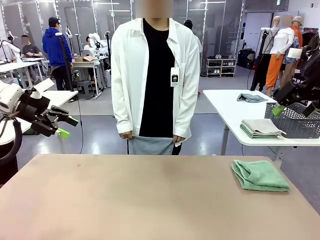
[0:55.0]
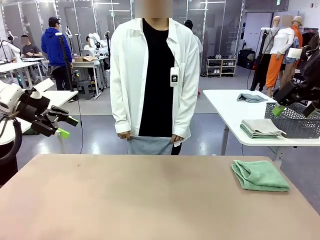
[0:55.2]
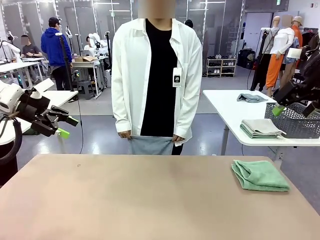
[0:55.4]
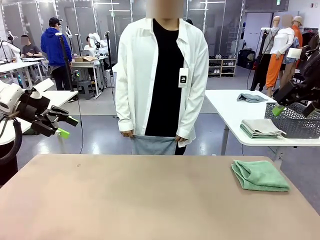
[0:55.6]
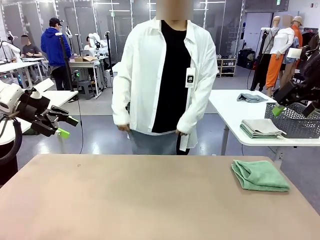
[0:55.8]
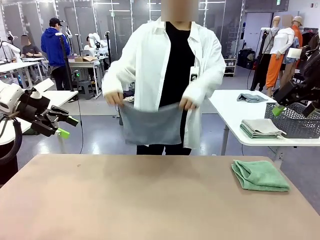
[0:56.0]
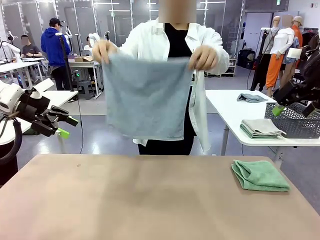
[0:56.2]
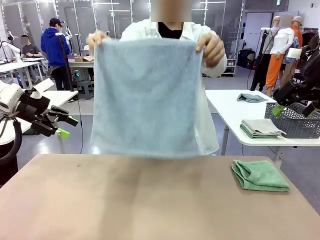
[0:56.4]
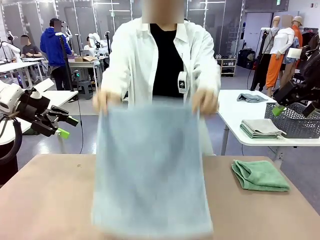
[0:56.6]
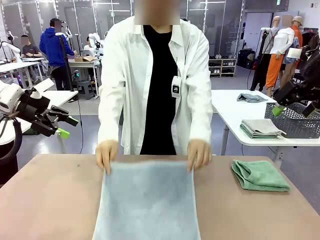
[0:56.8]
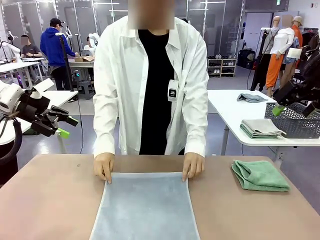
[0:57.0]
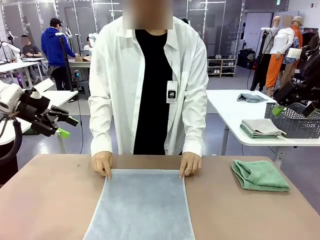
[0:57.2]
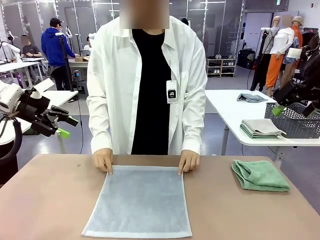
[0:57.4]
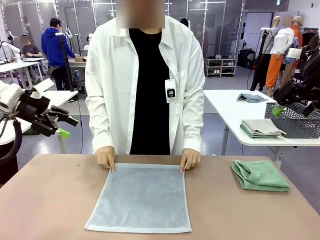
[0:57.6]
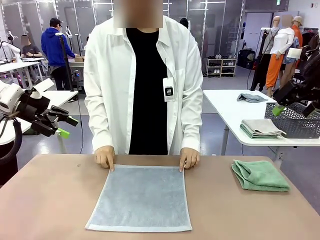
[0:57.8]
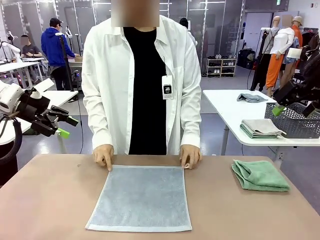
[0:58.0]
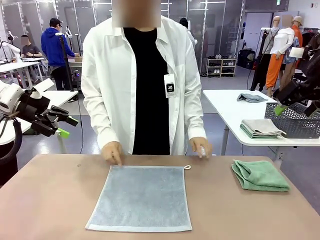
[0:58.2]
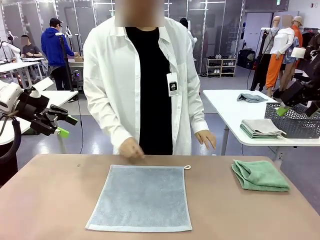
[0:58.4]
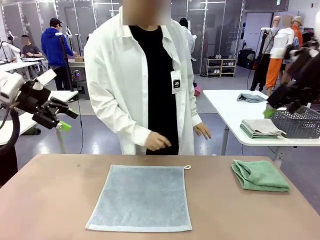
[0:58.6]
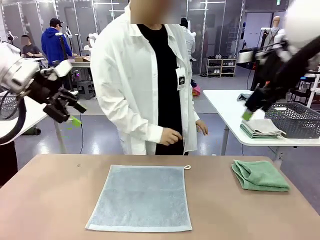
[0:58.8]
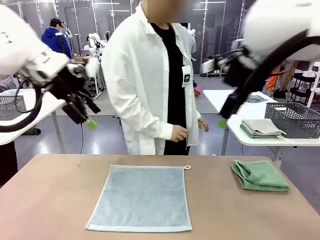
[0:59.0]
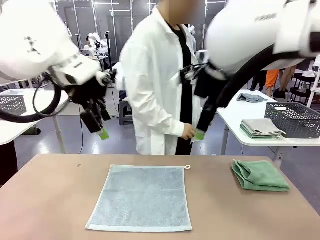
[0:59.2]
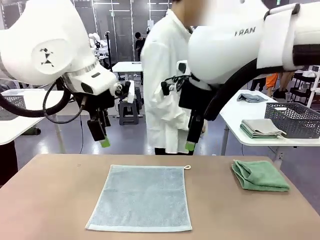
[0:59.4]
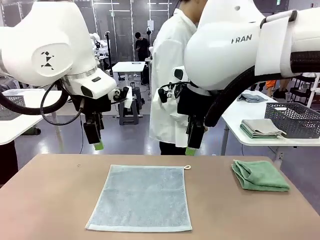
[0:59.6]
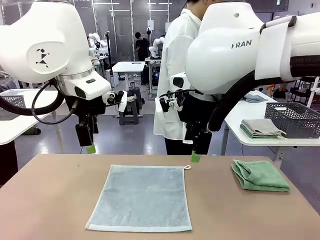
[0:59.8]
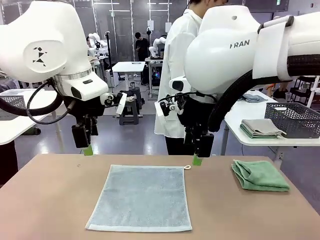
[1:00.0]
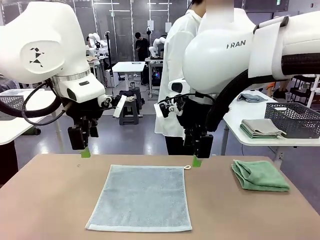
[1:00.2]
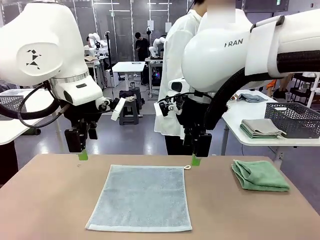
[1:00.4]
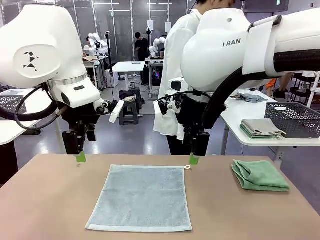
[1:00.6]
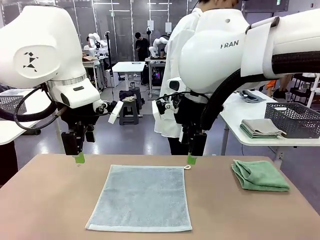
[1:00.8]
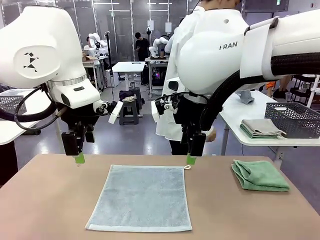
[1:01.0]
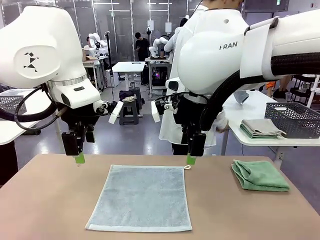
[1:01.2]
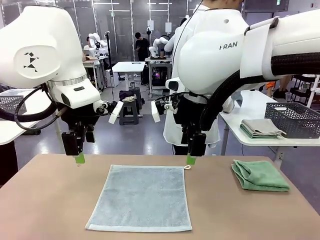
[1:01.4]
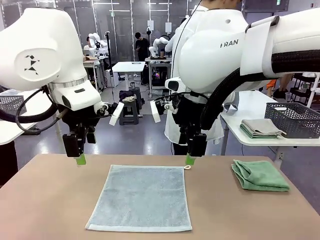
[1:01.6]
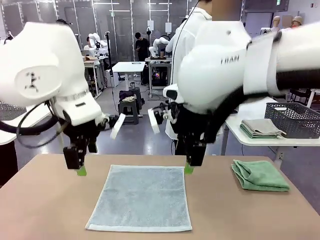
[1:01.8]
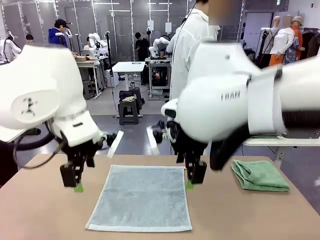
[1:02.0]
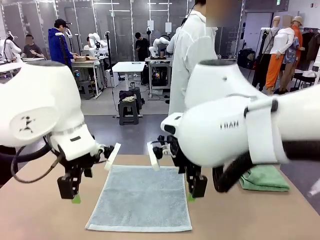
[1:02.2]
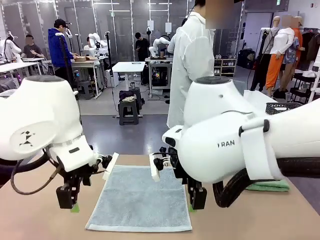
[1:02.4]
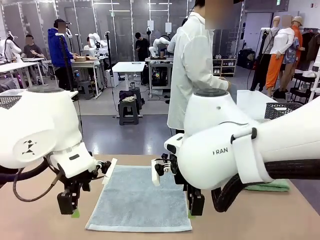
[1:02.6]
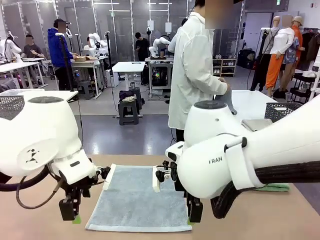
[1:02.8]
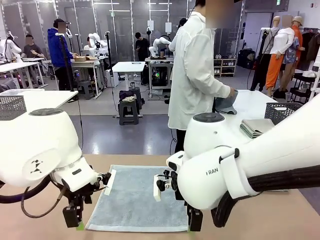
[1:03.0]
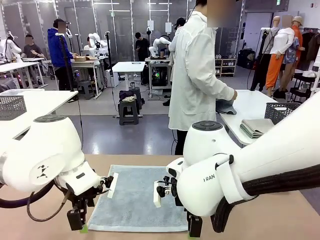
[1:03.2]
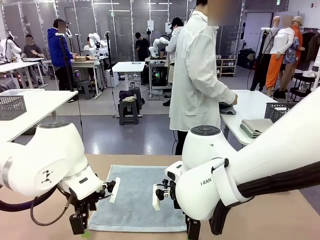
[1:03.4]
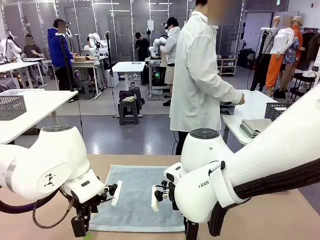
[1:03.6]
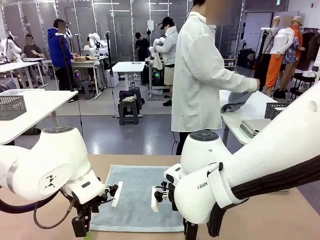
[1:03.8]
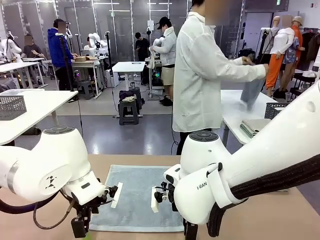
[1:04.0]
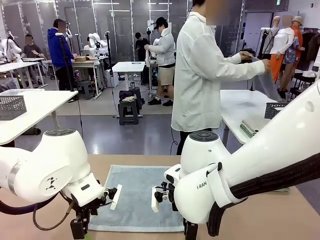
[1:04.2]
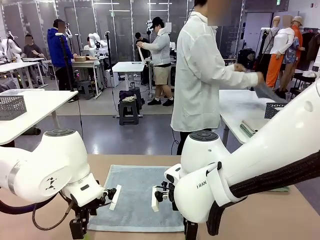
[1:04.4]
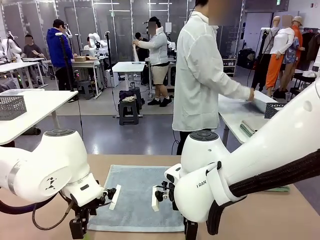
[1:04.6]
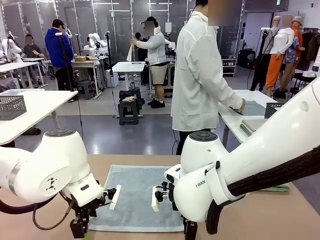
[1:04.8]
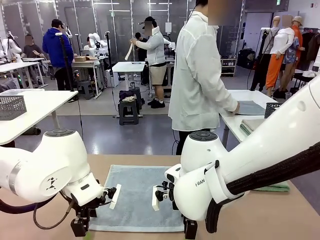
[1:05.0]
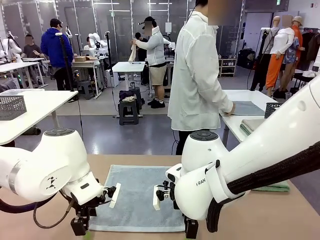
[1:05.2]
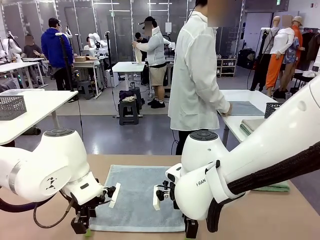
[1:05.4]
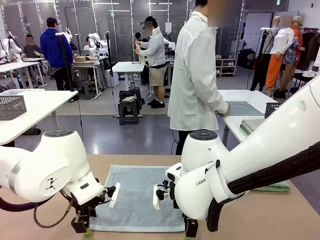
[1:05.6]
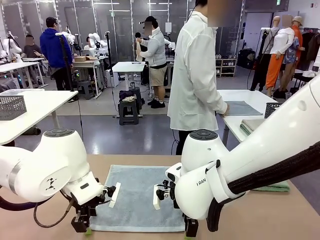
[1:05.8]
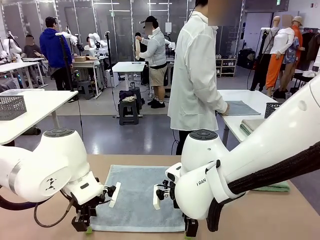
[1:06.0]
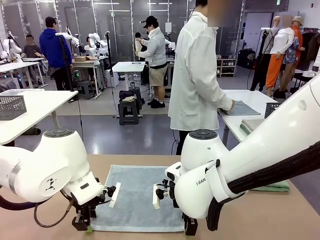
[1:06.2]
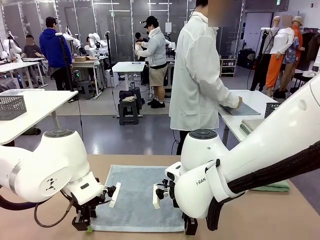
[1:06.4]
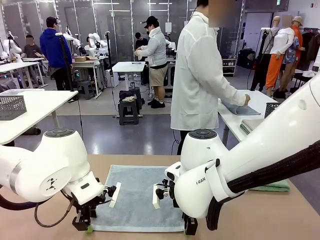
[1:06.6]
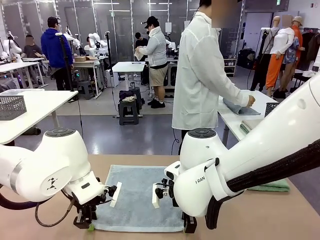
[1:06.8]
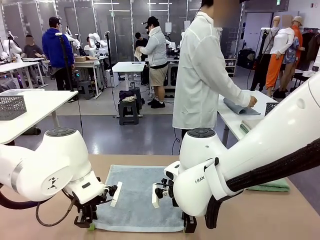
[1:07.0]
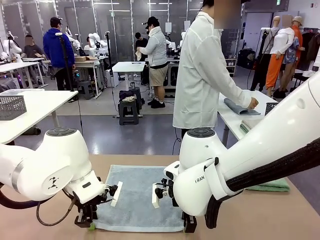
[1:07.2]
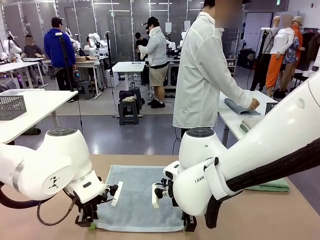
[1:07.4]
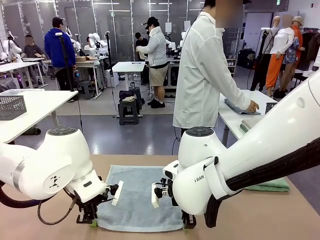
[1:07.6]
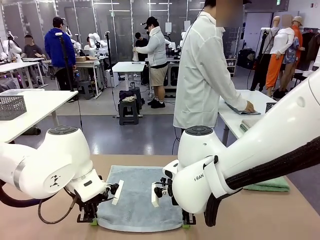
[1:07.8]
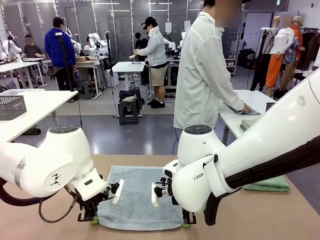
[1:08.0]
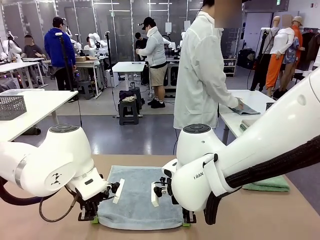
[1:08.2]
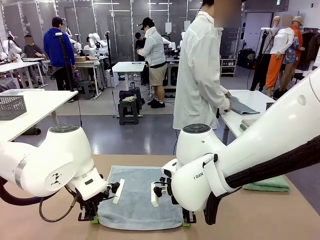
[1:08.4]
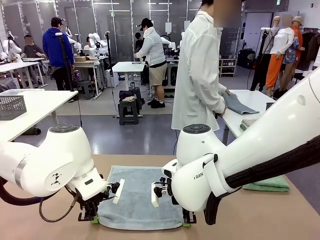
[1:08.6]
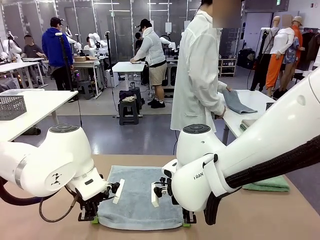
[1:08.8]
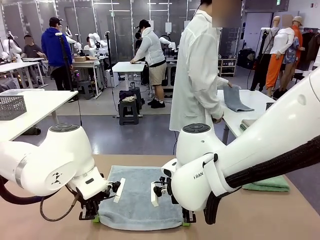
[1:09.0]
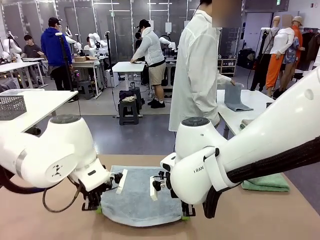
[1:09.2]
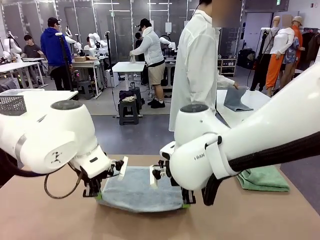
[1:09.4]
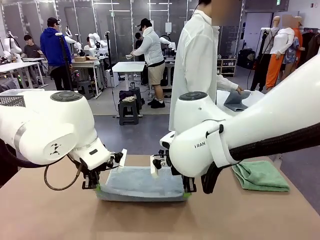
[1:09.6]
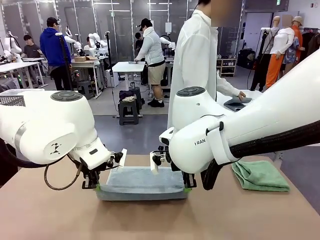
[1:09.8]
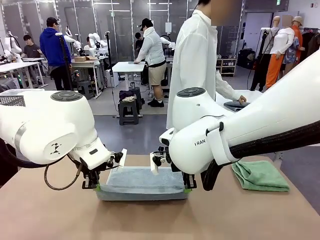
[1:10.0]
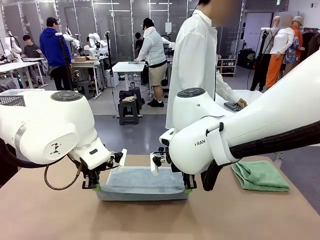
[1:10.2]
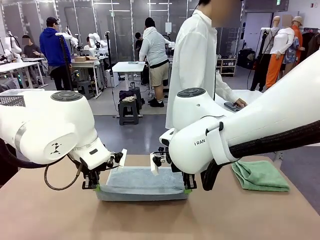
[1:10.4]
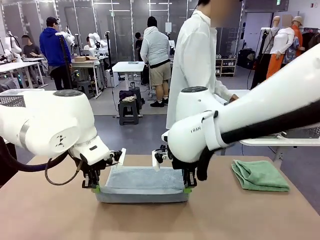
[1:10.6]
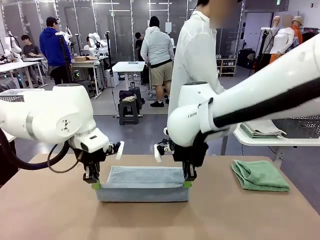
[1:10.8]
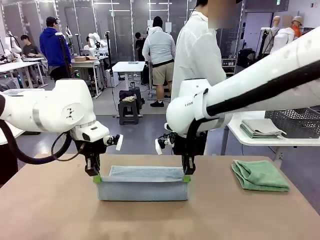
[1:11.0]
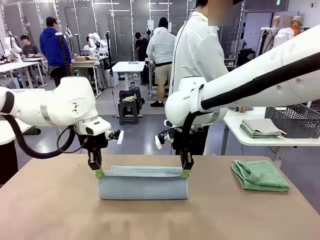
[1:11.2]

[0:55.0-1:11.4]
Task: Fold the towels and place them in the basket.
Robot: When a person lays out a Towel with hook on the table, fold it in half twice.
Person: Pick up one towel from the left side of the human table, fold it in half twice, and stack it on the right side of the table.

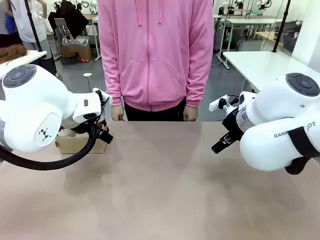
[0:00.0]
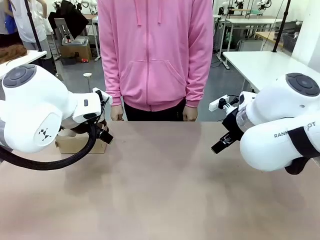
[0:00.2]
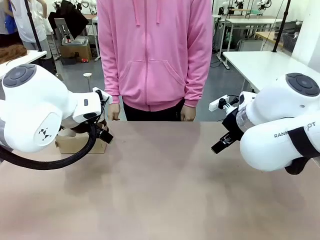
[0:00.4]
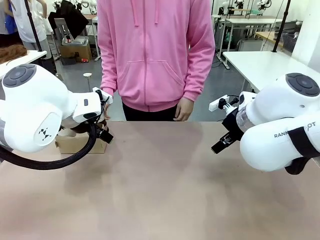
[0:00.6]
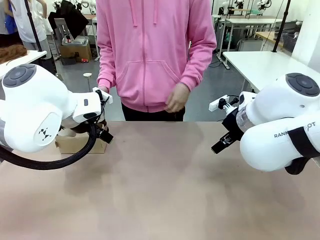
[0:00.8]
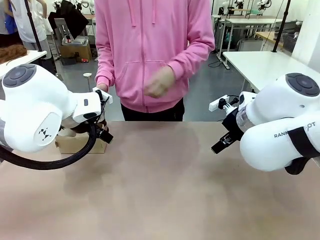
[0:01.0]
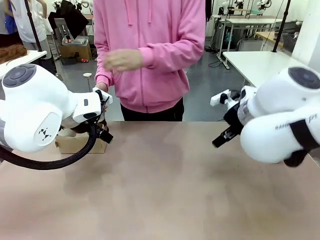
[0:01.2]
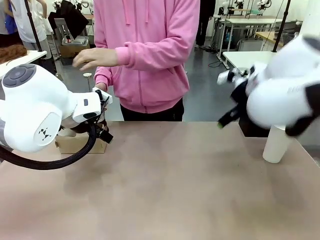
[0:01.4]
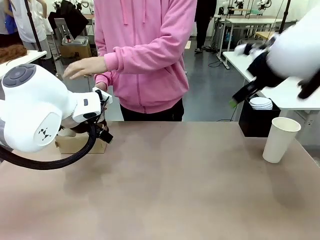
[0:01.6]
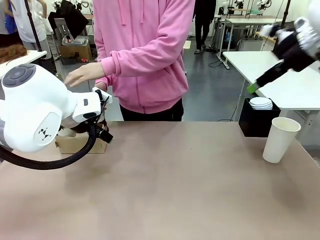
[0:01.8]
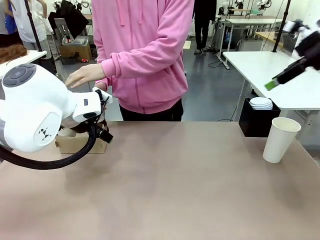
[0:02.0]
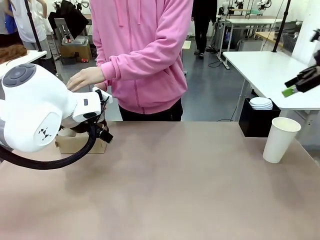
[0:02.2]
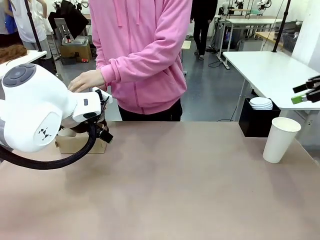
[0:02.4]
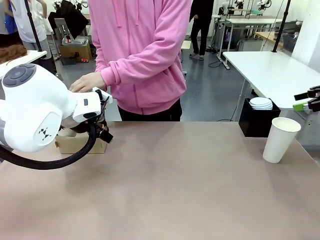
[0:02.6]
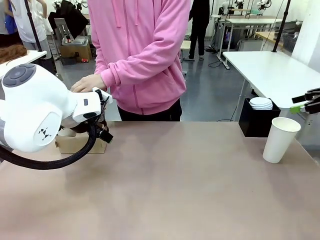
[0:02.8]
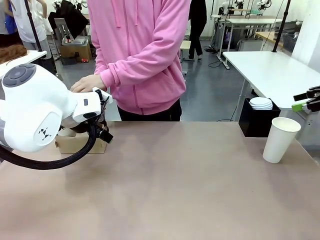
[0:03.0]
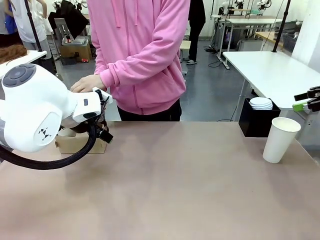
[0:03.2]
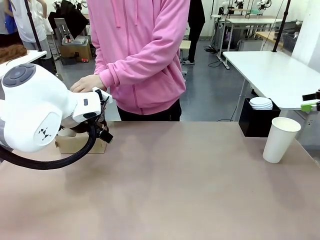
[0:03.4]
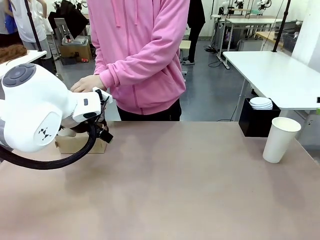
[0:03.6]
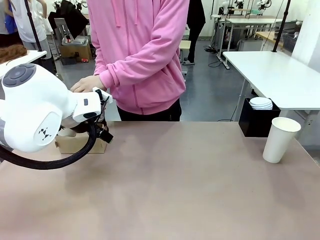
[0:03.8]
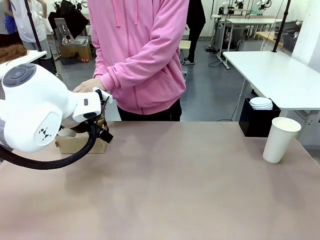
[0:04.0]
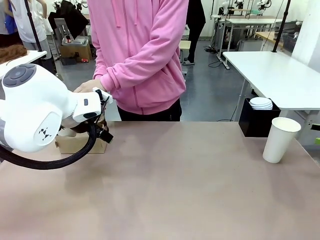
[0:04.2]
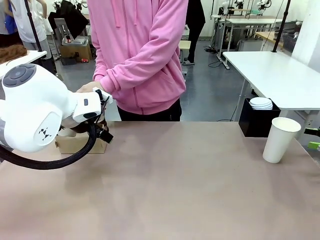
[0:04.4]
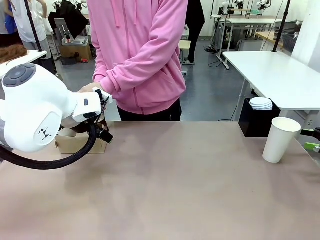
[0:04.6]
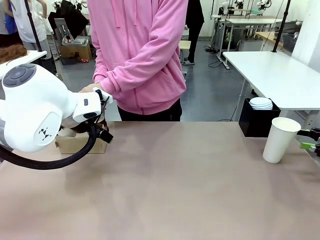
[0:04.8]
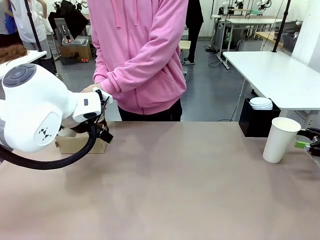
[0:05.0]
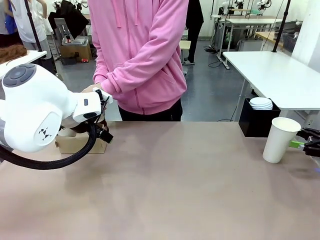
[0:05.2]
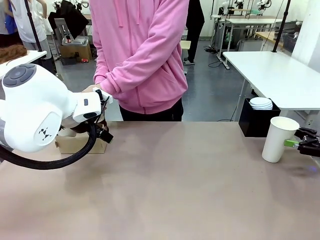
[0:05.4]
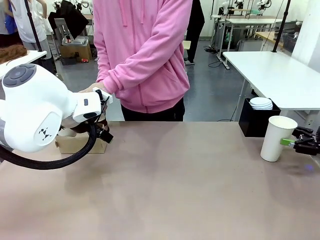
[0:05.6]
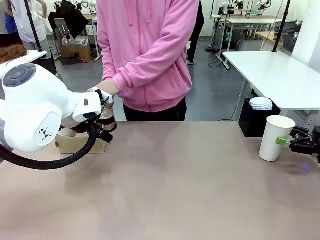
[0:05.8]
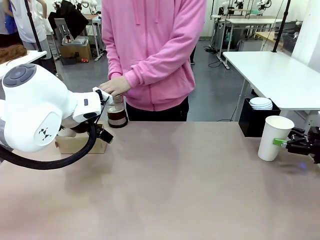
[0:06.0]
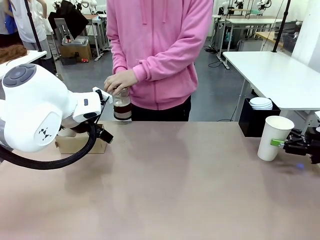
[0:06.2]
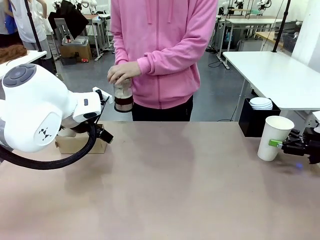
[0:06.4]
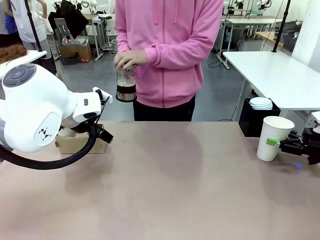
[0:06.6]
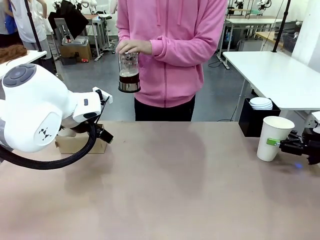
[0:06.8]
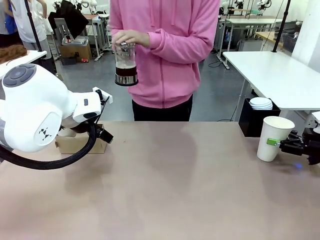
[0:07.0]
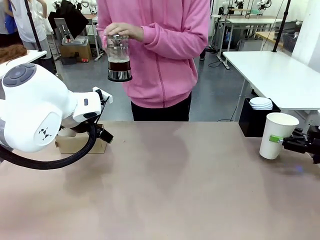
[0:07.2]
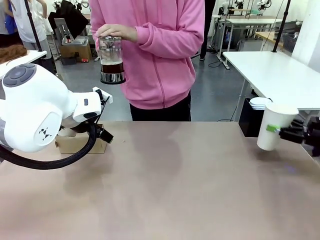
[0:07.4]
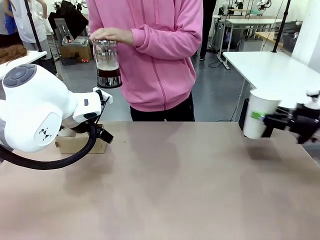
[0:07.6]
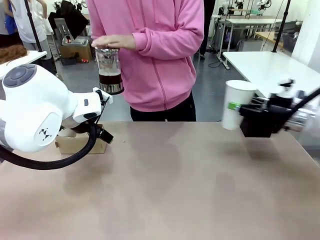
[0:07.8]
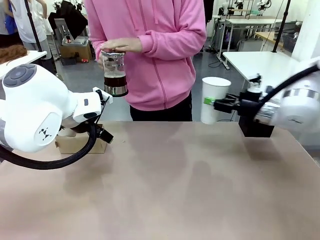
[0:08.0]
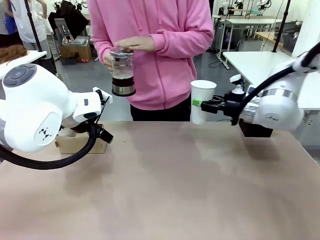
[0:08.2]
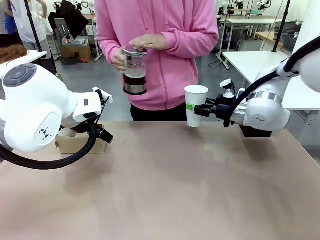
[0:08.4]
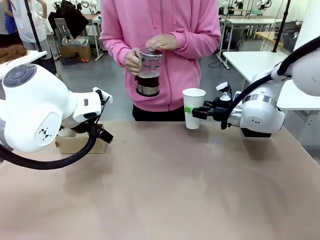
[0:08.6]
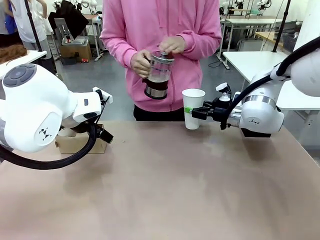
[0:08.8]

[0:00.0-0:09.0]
Task: Pour a drink into a cup and package it in a carrier.
Robot: Pick up the 600 ml Paper Cup and place it in the middle top area of the table.
Person: Press and pick up the Filter Brewing.
